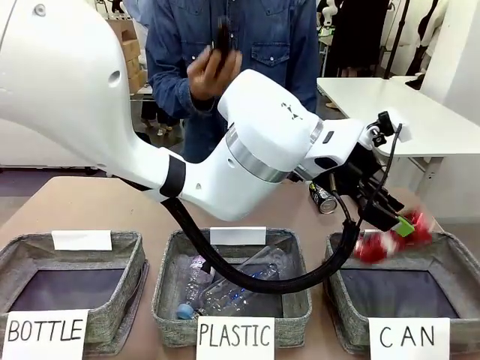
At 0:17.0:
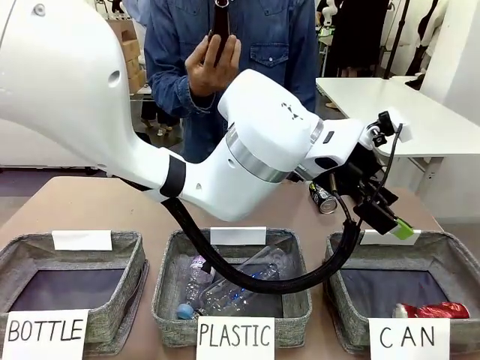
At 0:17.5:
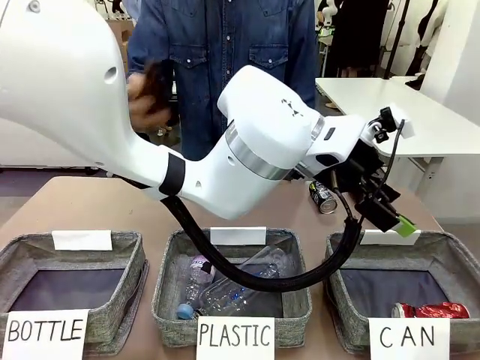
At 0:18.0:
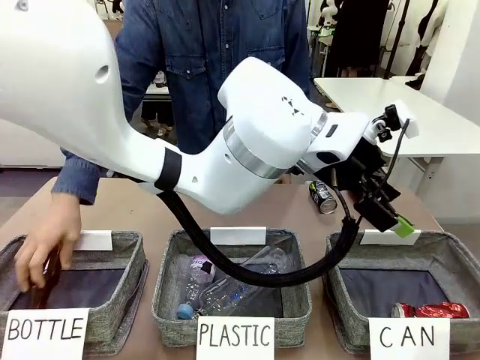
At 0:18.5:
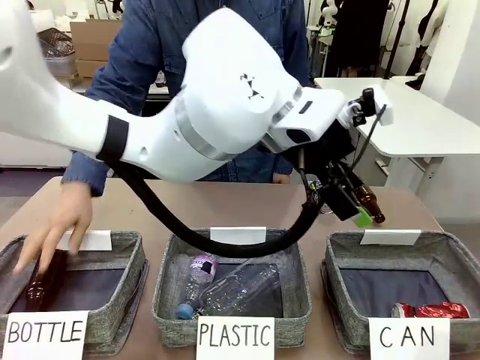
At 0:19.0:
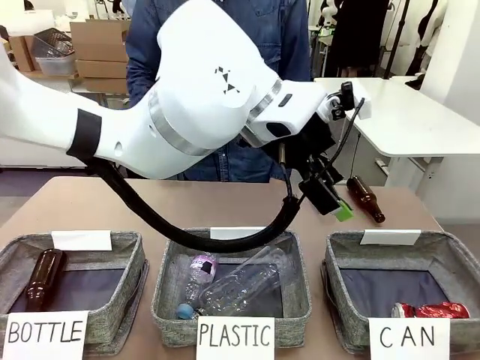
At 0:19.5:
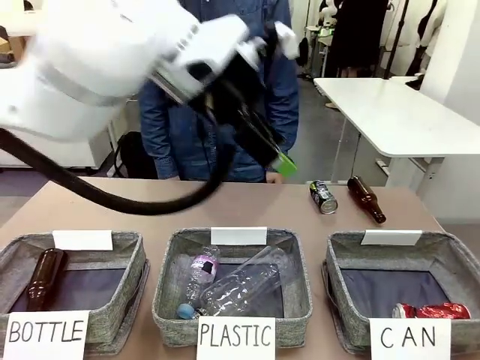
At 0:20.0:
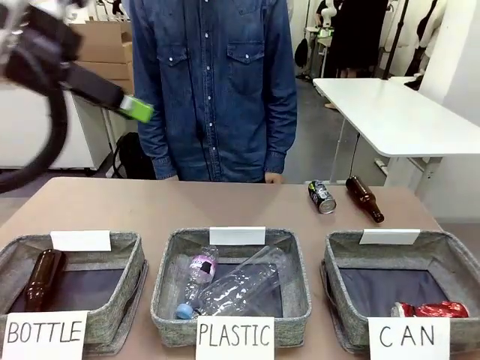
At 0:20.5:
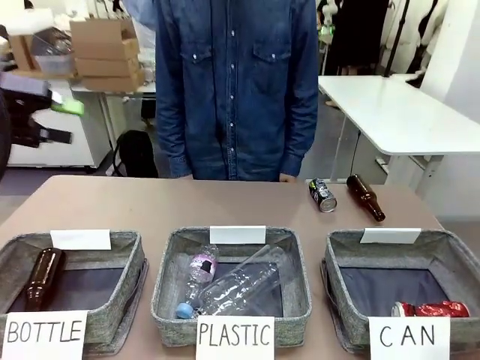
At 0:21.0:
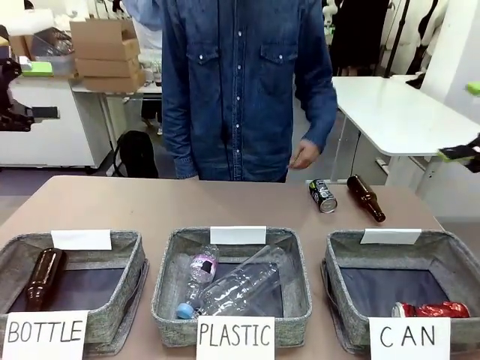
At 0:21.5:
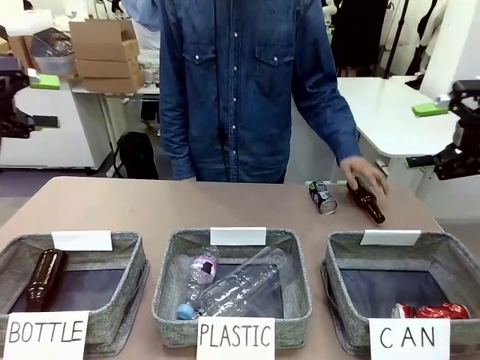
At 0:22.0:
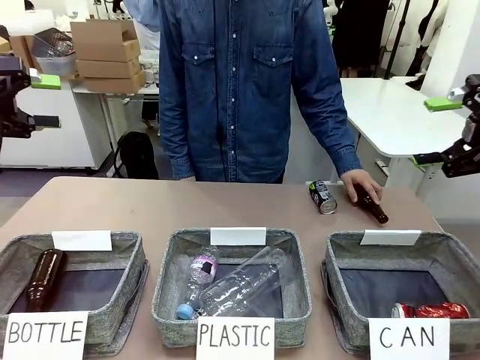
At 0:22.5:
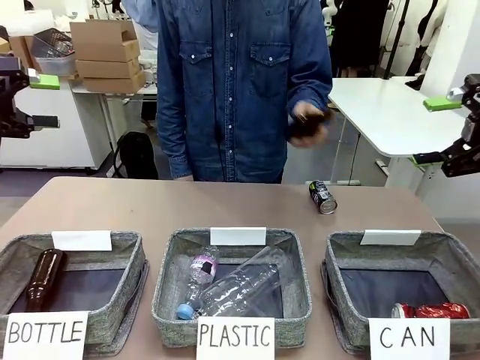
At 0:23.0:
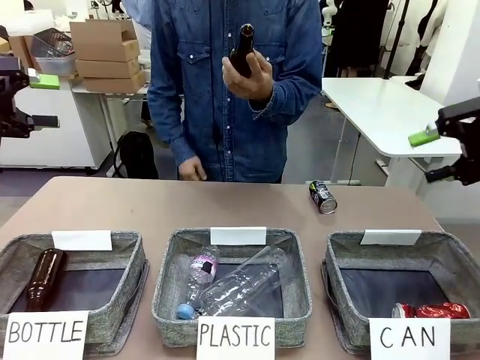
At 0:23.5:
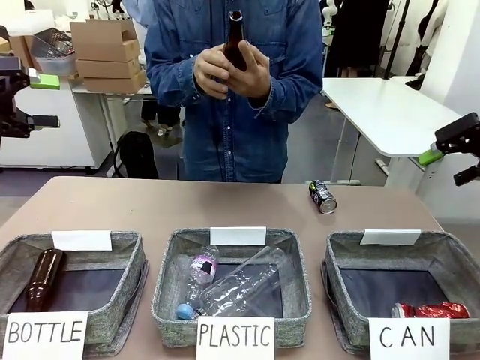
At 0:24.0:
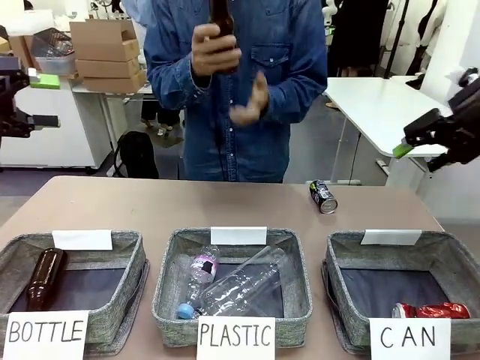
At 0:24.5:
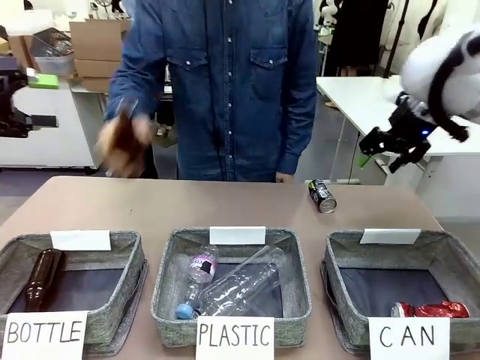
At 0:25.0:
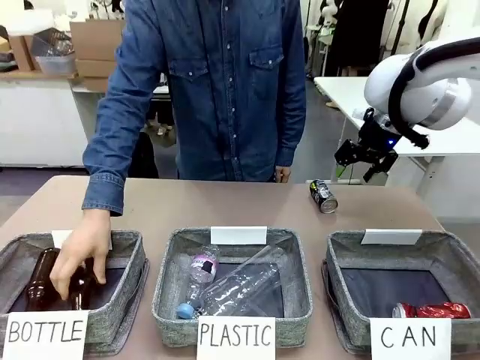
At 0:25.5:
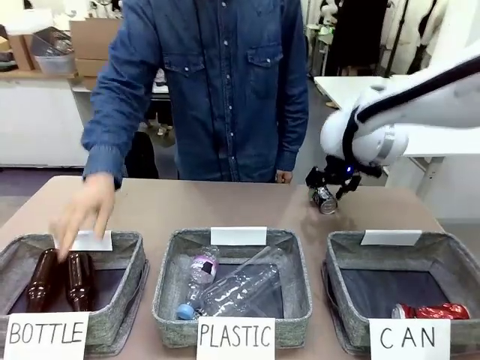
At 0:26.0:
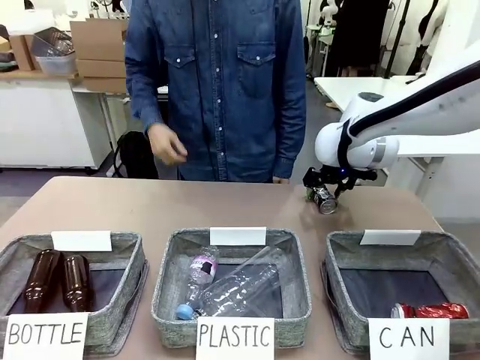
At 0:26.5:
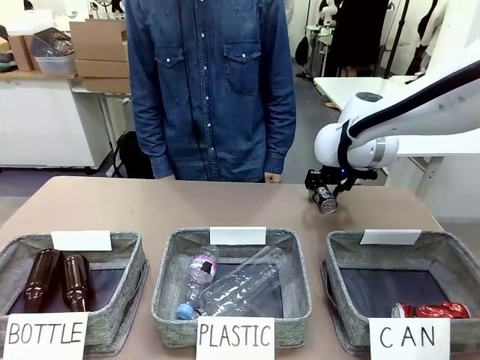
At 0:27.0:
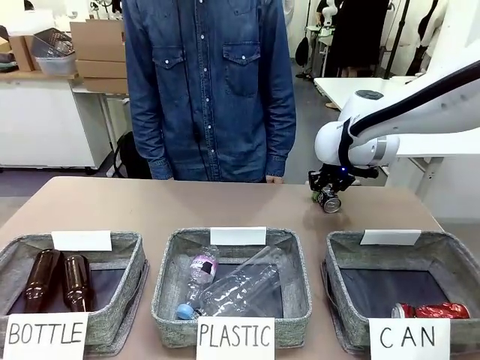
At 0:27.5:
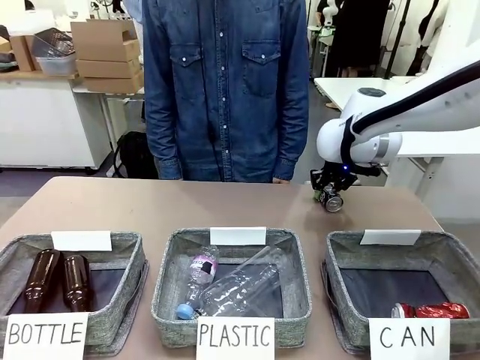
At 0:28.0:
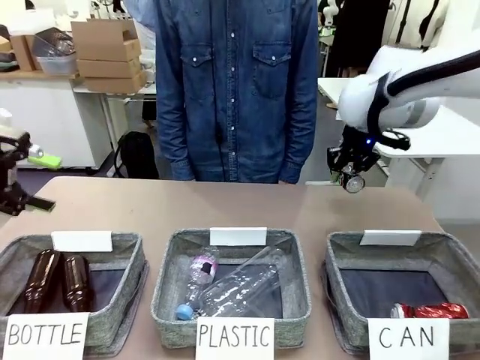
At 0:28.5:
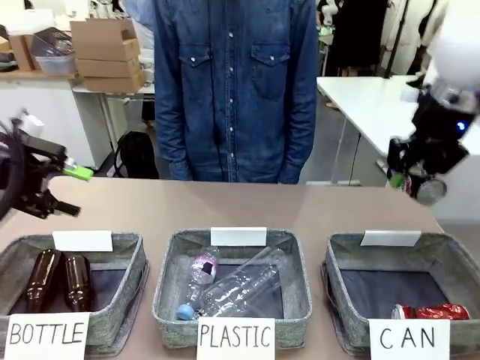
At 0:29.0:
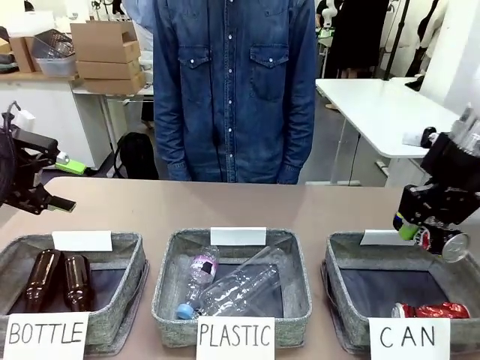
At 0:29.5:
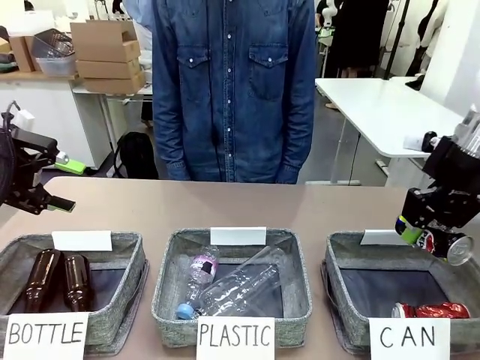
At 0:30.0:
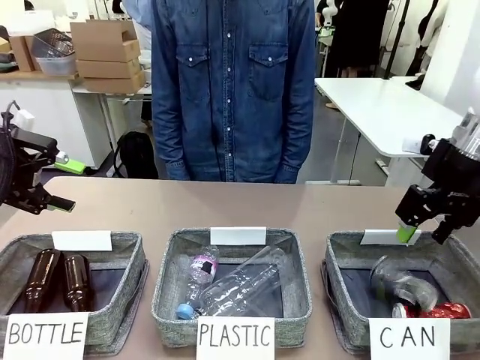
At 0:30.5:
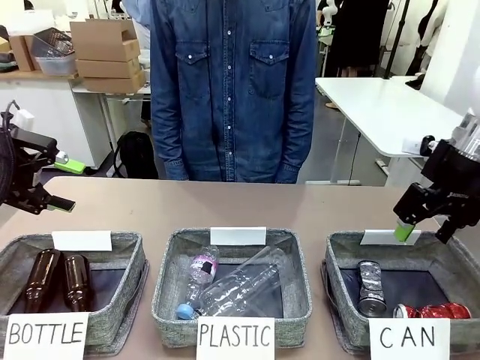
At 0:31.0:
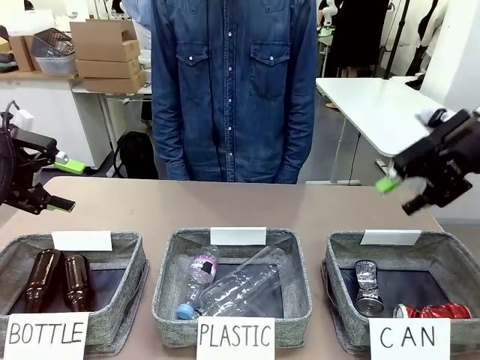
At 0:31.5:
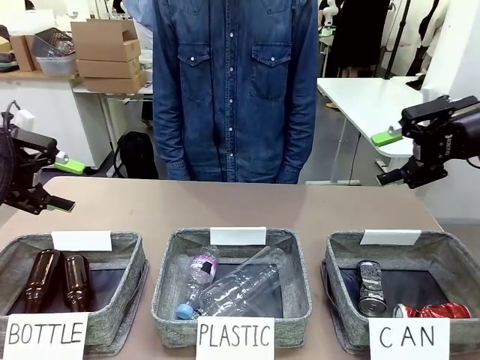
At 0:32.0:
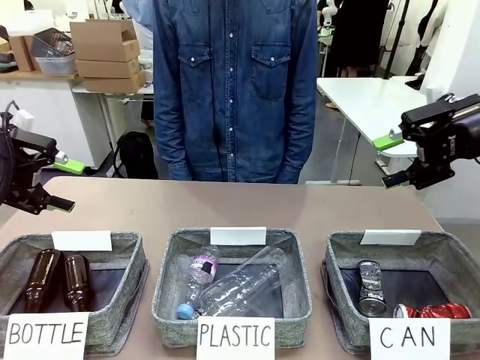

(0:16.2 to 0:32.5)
Task: Sort the can waste into the basket.
Robot: Pick up the can waste from the table and place it in the right Fabric basket.
Person: The human picks up one piece of trash that is not a can and places the trash into the appropriate organizing basket.
